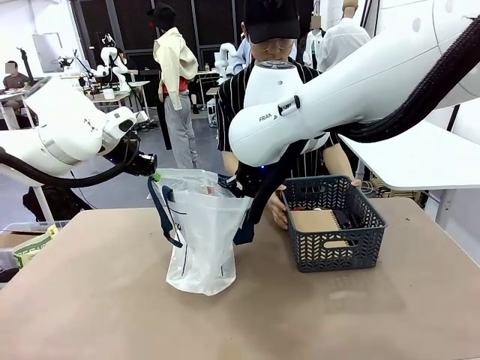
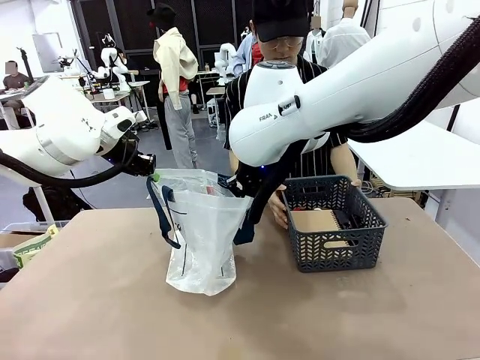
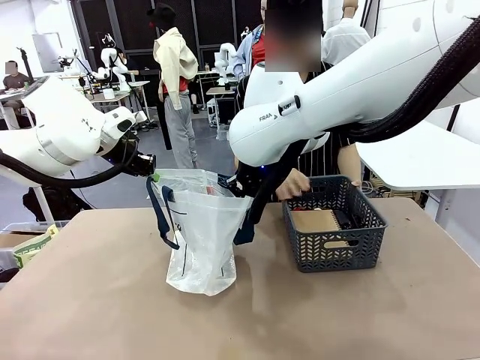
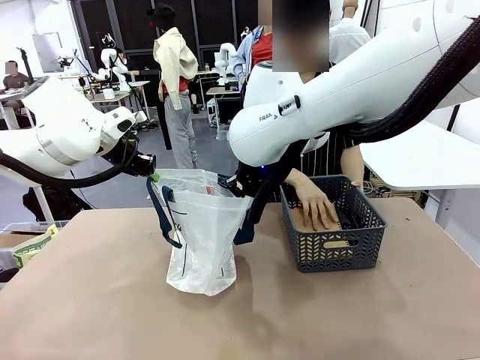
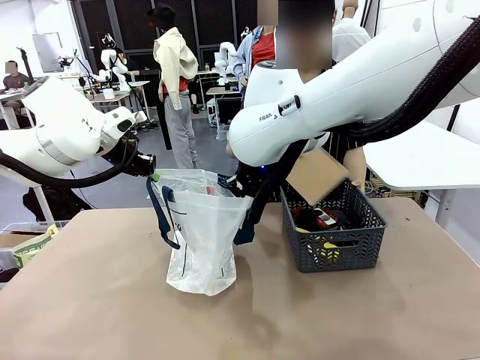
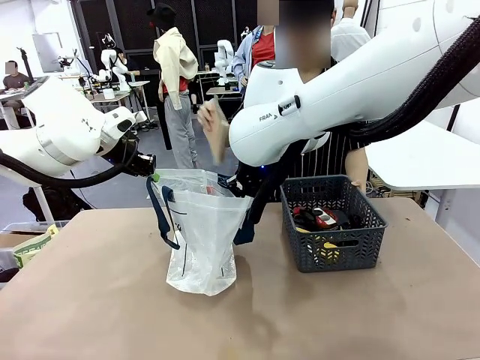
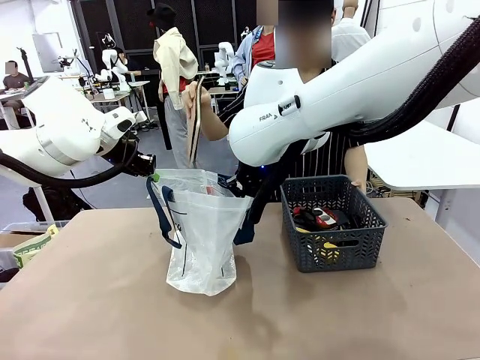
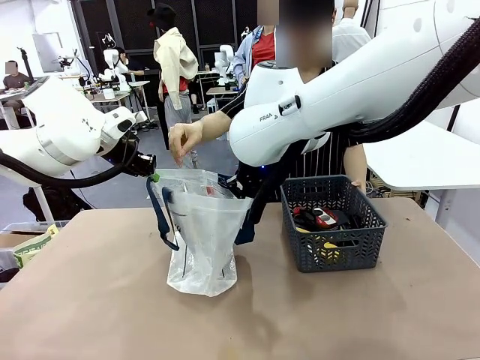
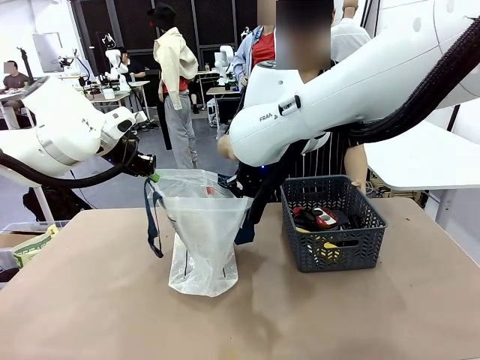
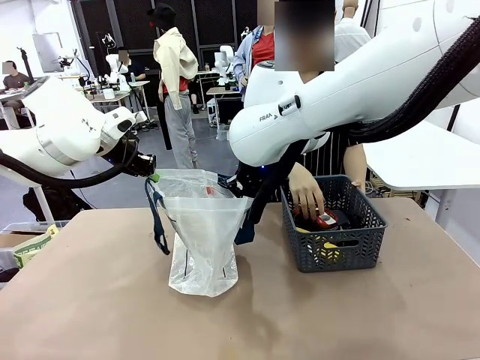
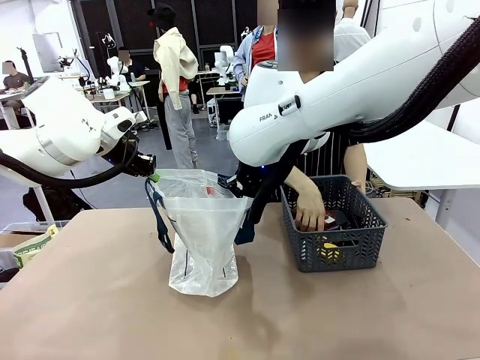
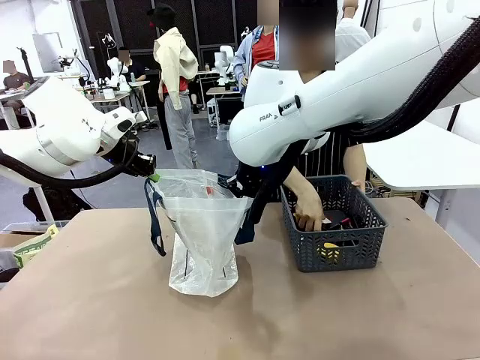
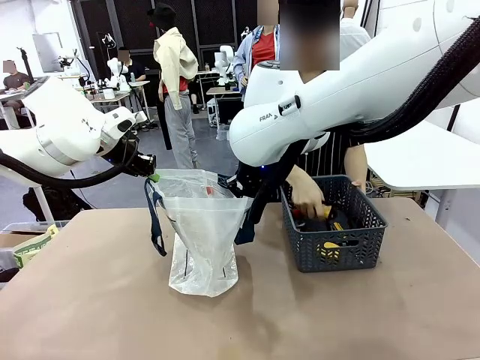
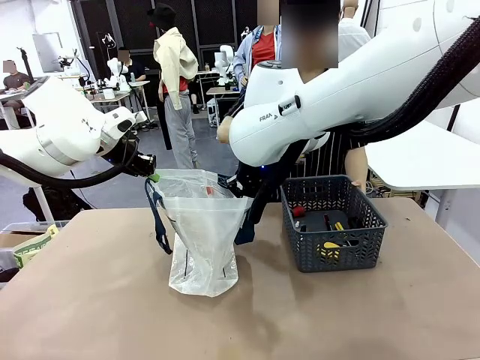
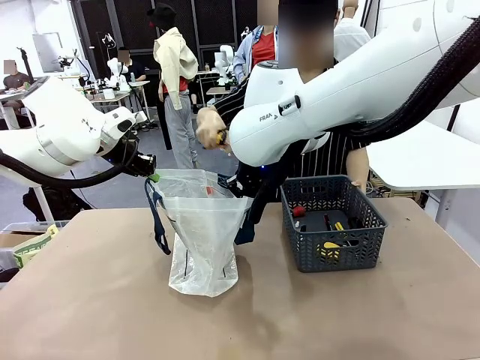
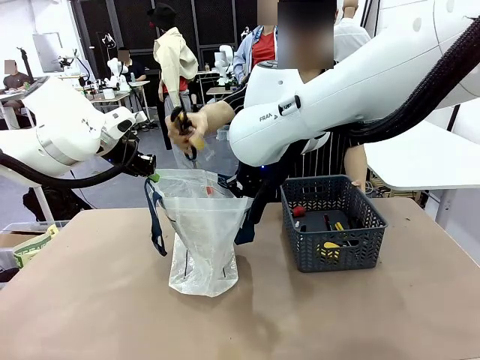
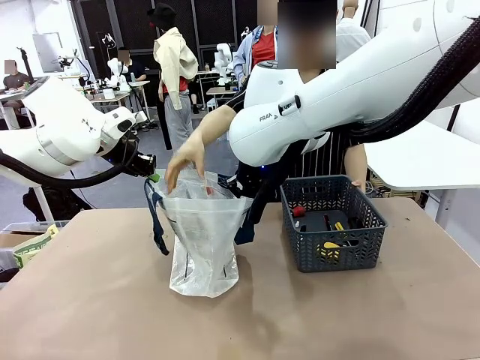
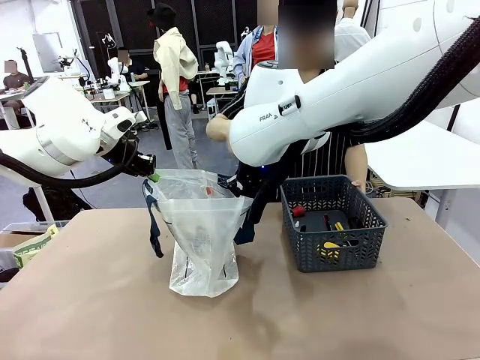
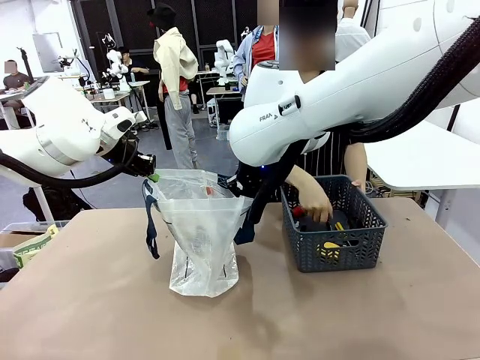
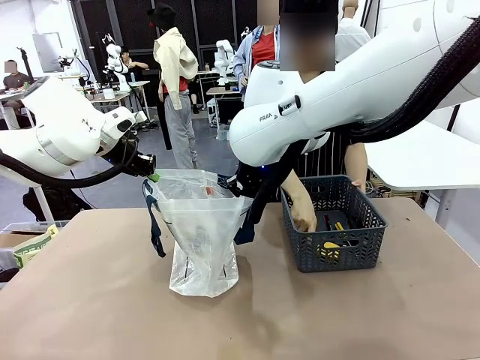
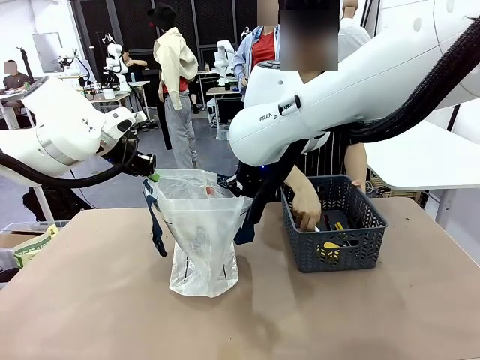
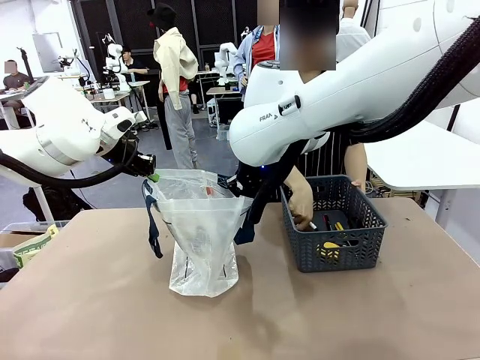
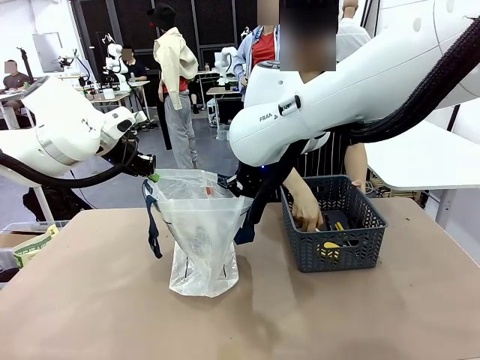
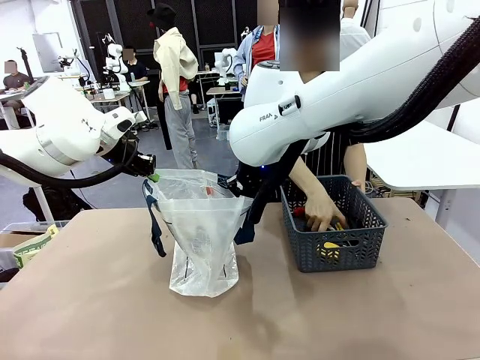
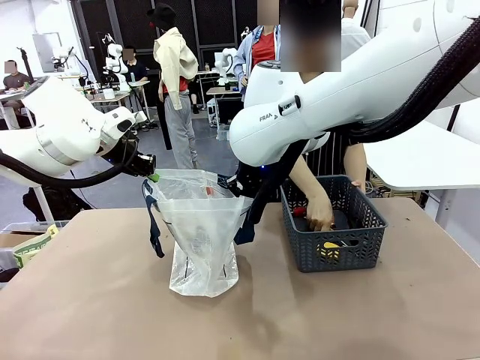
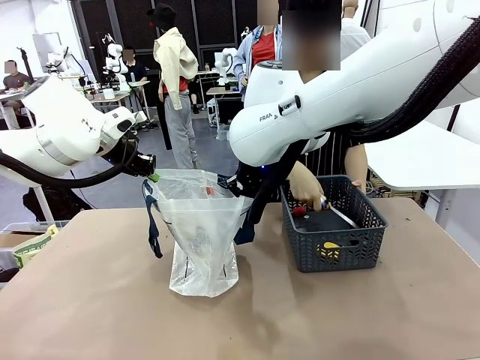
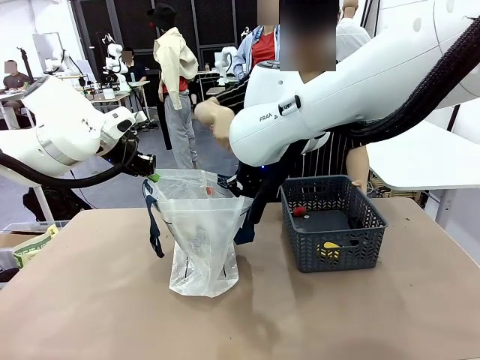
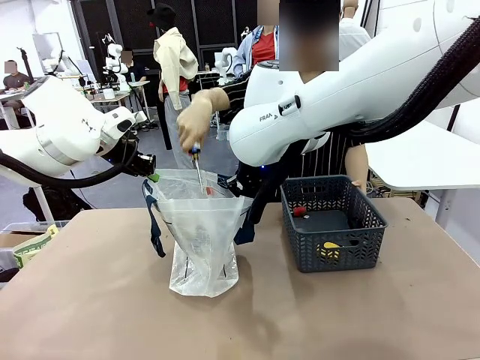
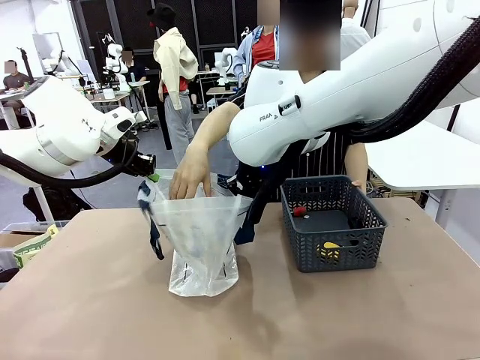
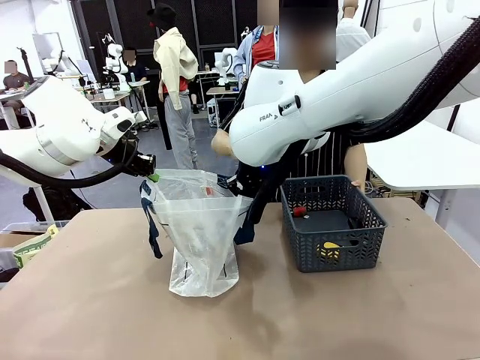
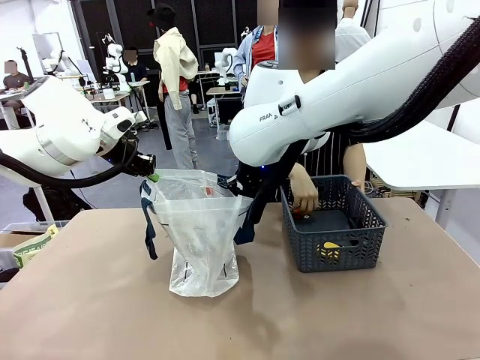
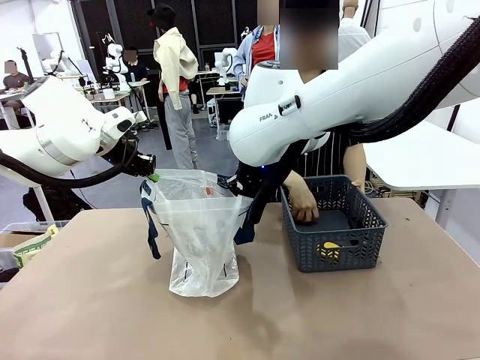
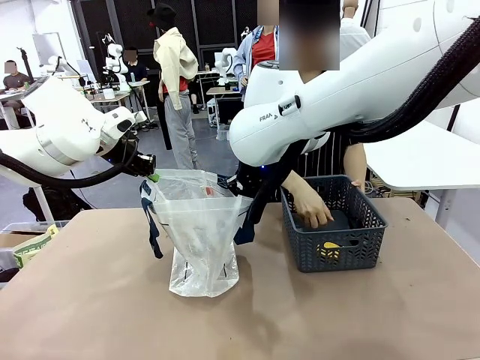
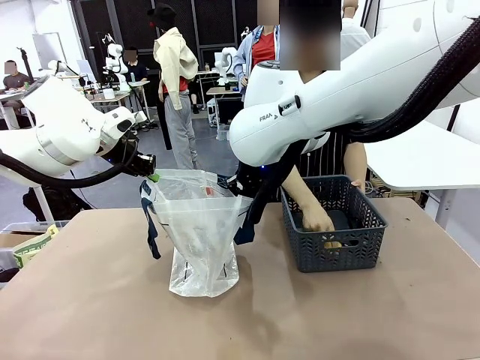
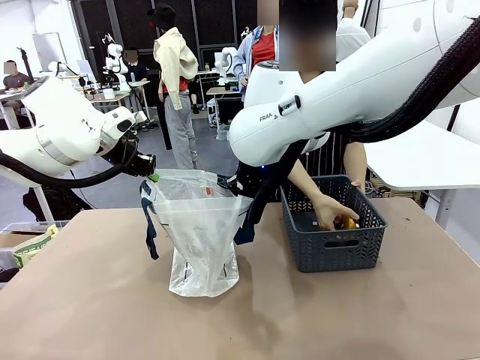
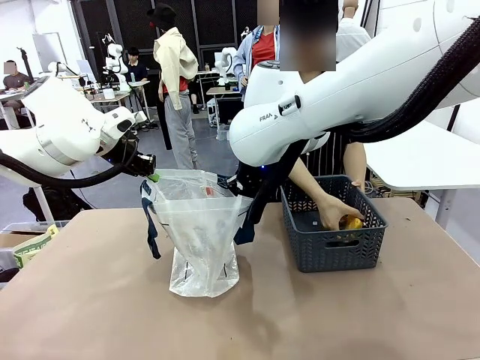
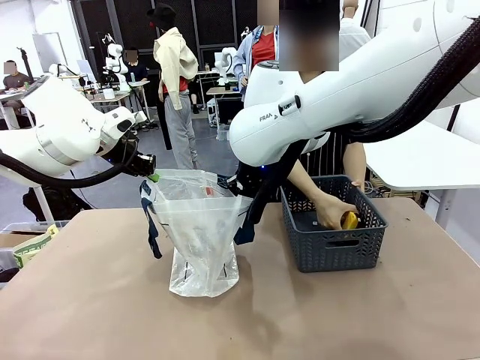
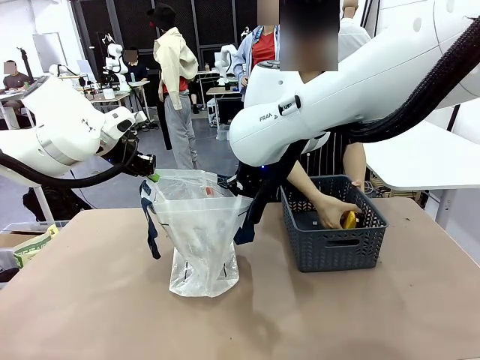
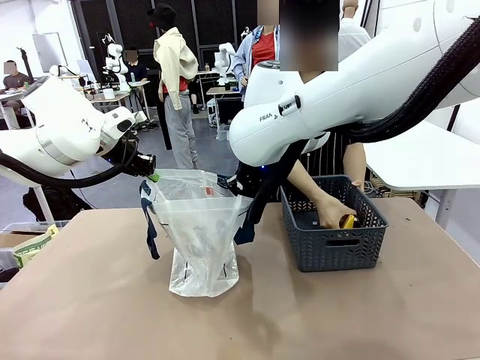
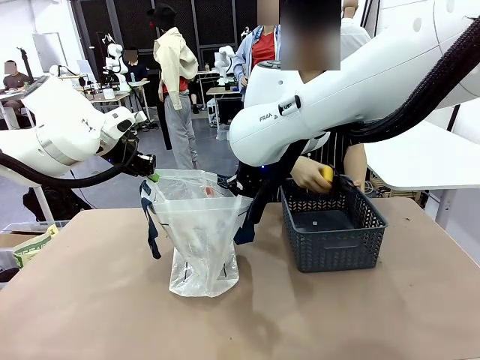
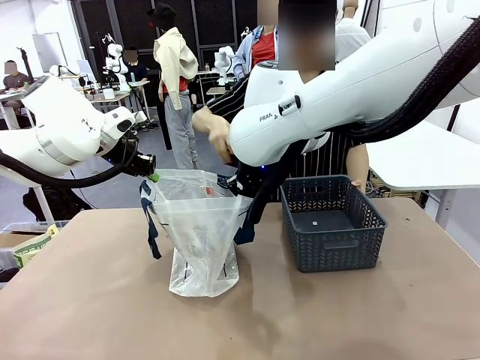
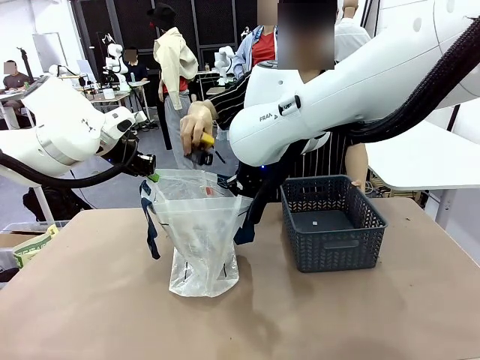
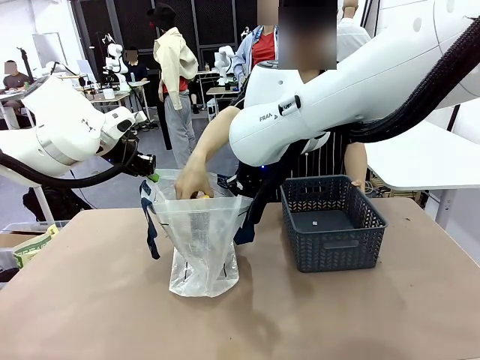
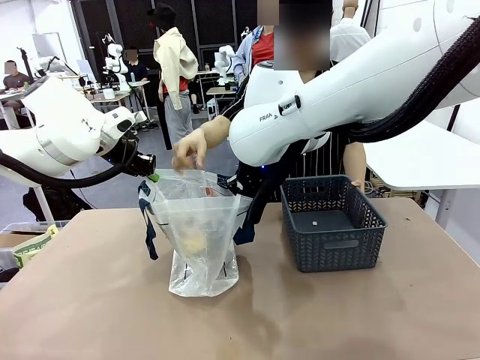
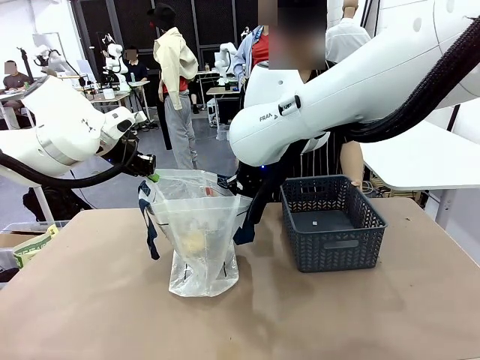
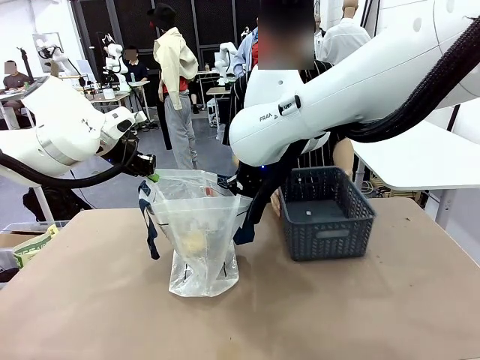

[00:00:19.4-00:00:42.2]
Task: Transfer purchased items from the store into the shopping bag.
Robot: Move the Reusable shopping bag to the right side of the table.
Person: Pick up the basket with the items out and place it on the right side of the human table.
